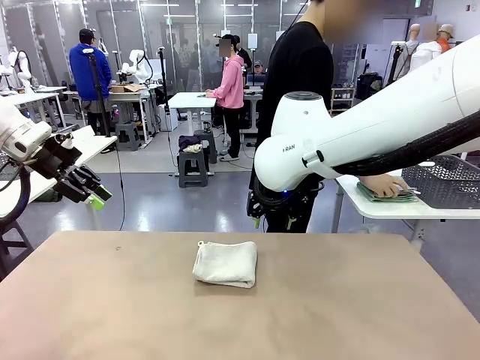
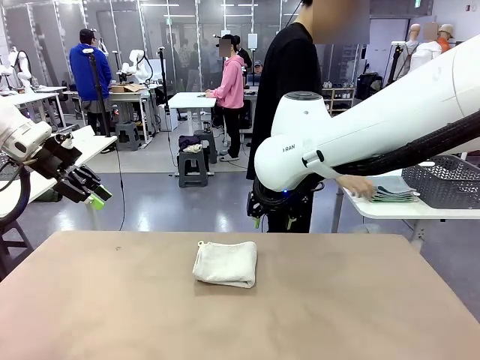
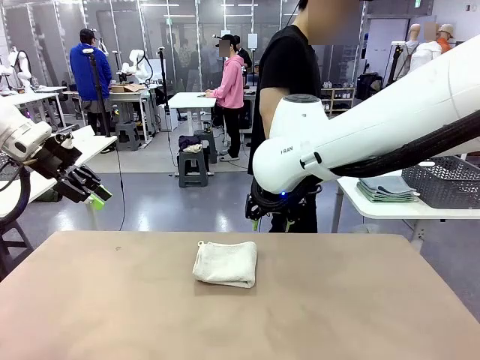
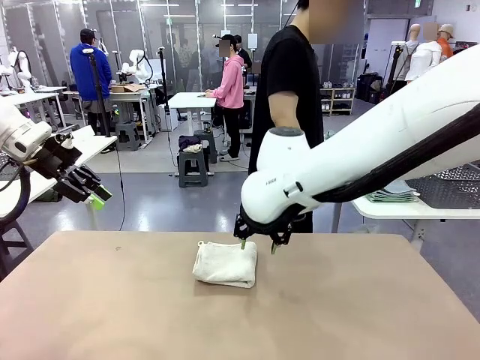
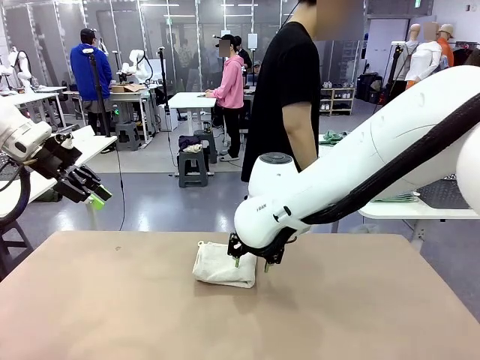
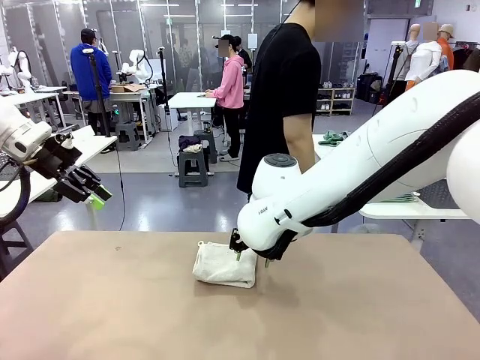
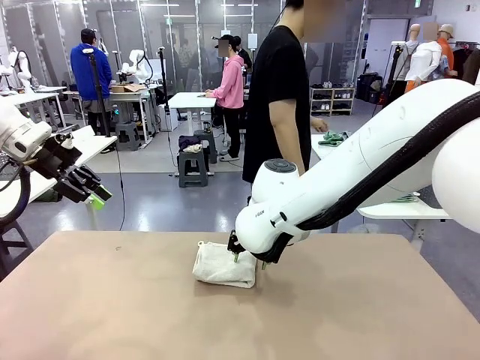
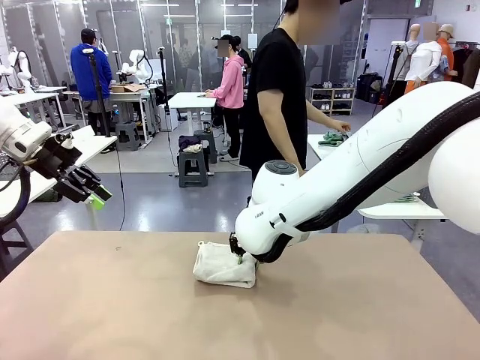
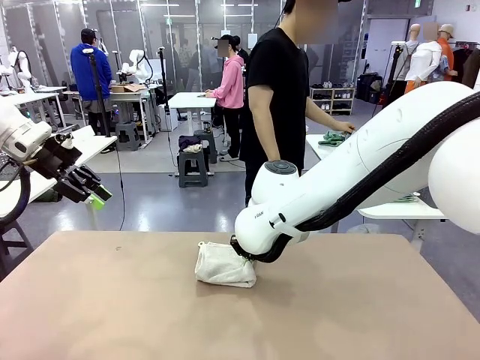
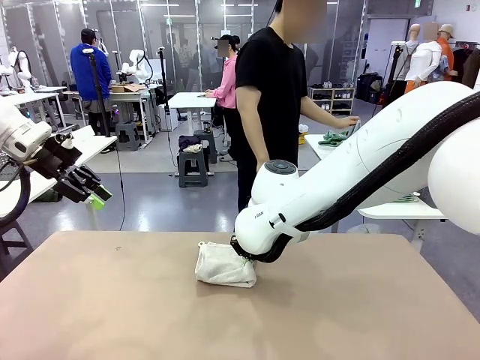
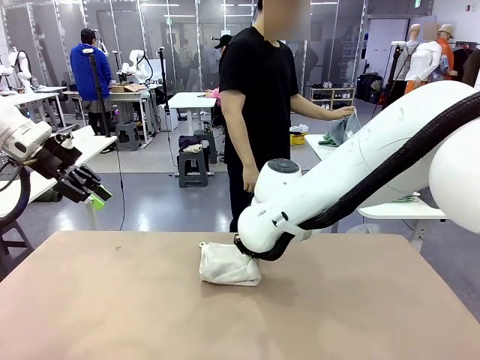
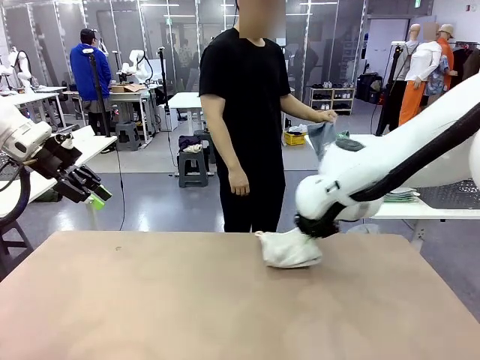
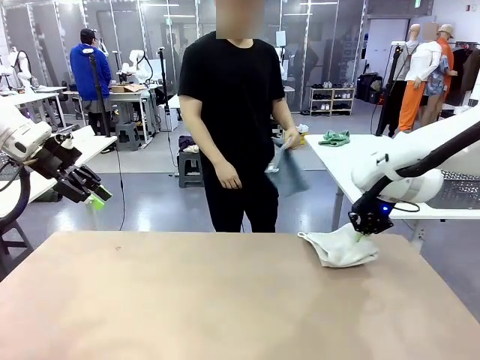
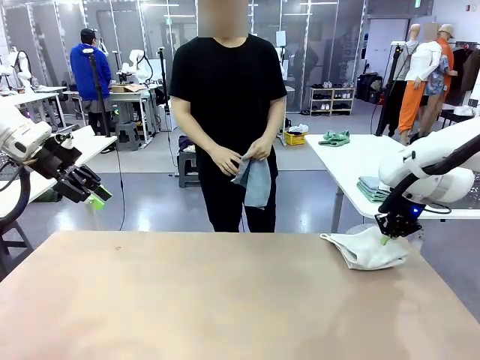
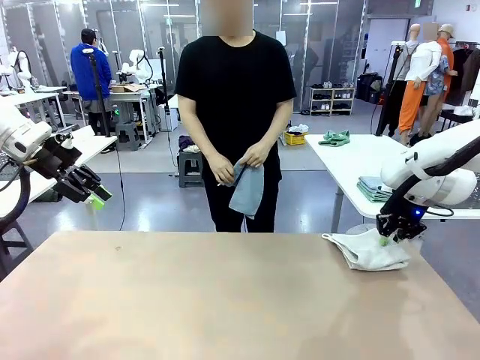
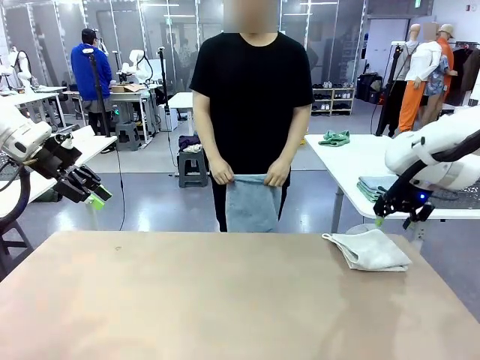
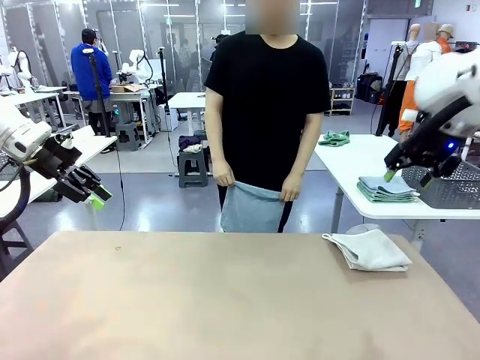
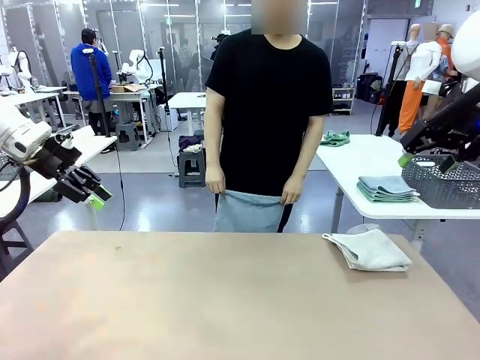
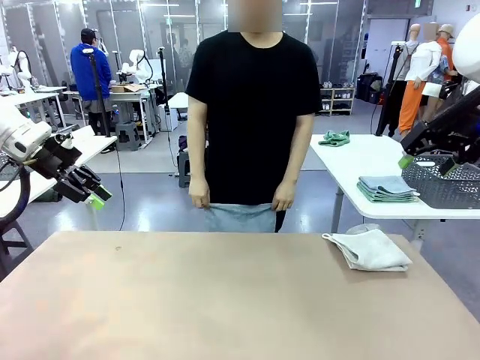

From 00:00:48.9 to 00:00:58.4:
Task: Fold the towels and place them in the basket.
Robot: Place the folded Towel with hook on the right side of the table.
Person: Pick up one towel from the left side of the human table and spread it out at the center of the robot table.

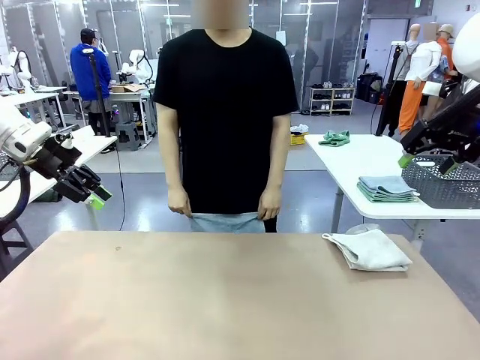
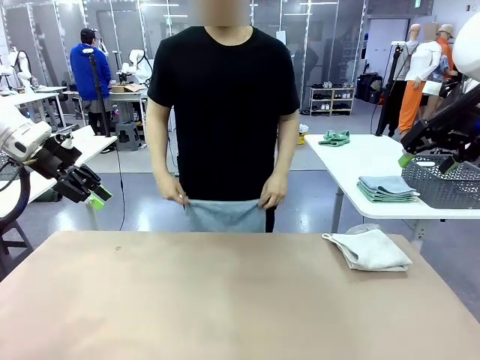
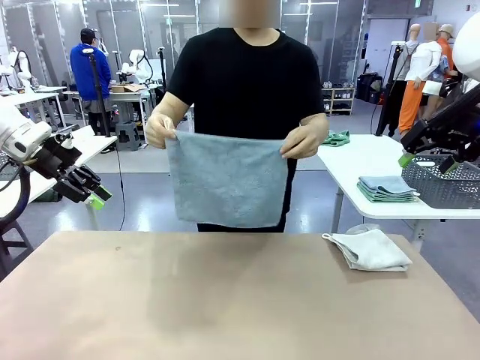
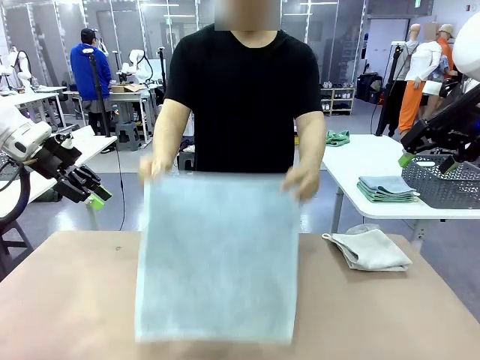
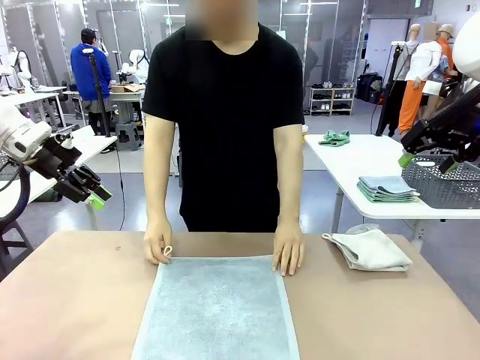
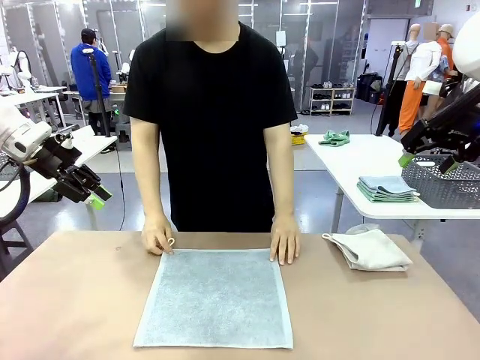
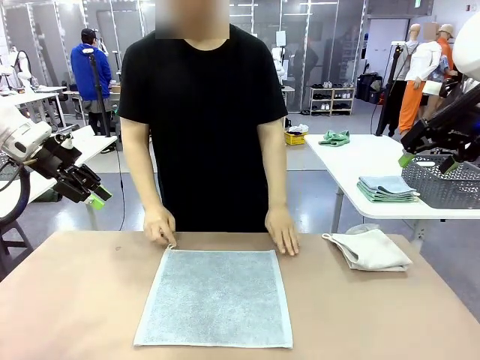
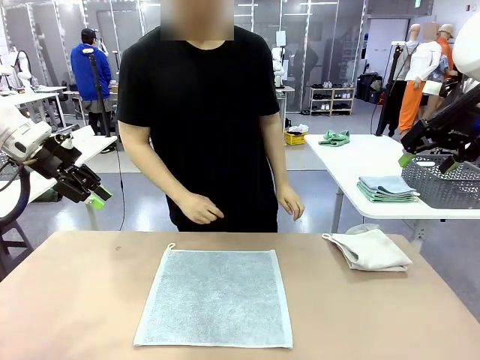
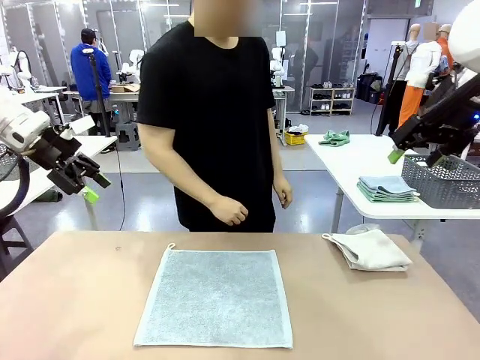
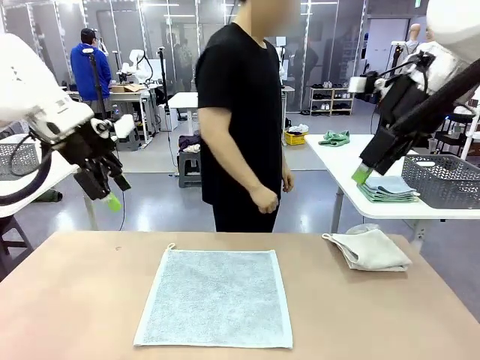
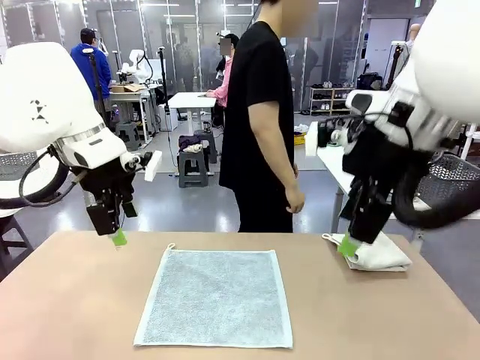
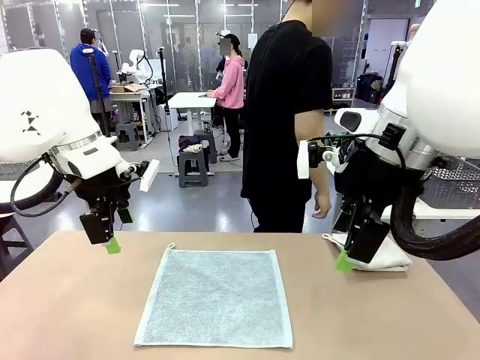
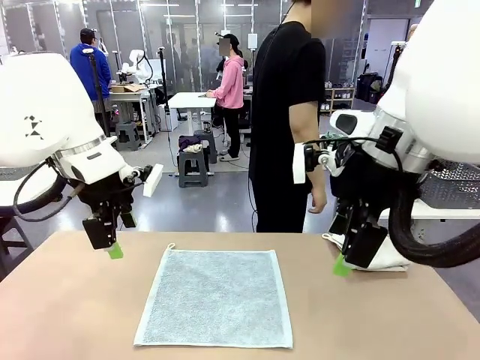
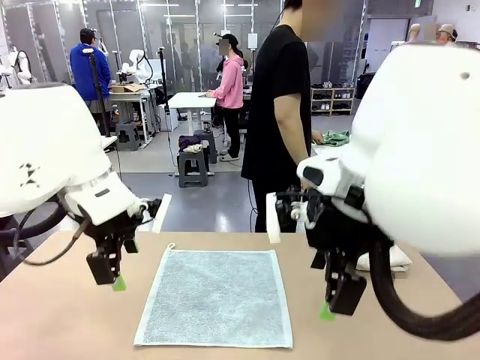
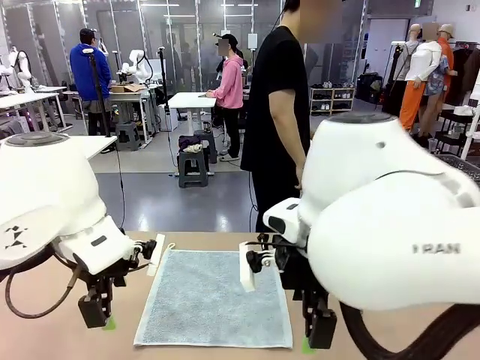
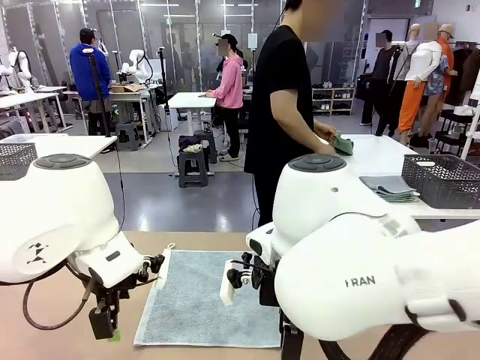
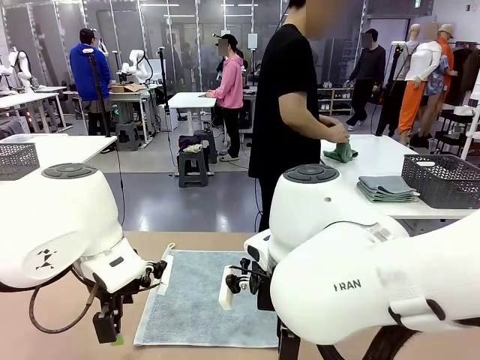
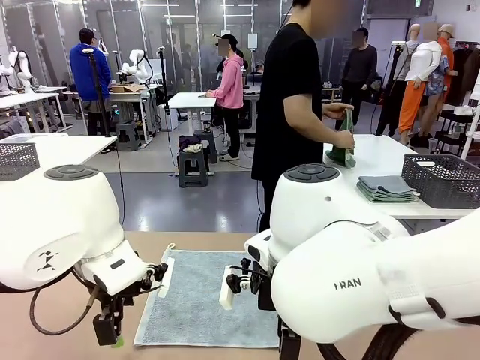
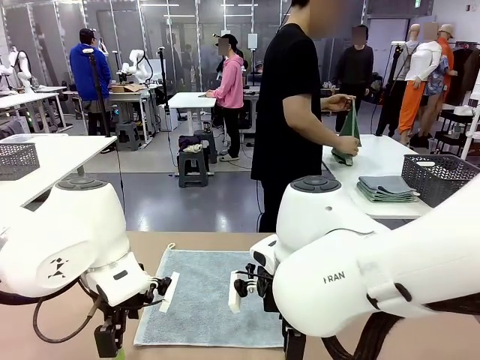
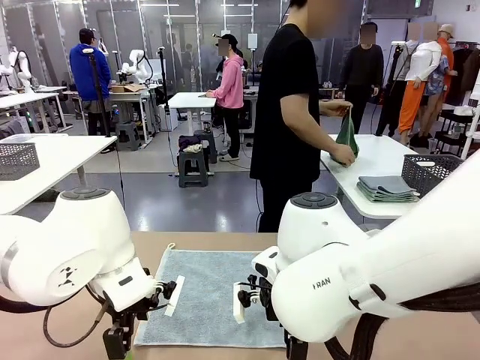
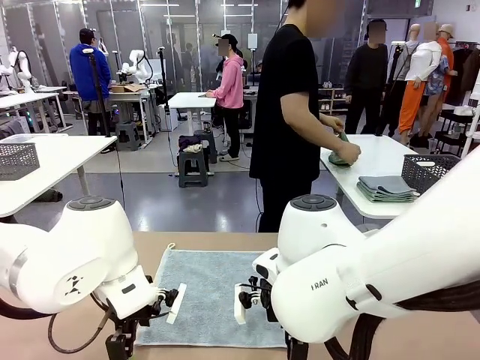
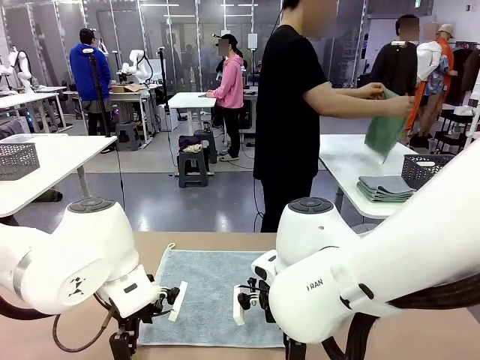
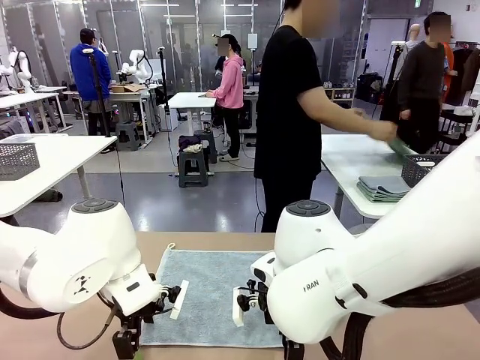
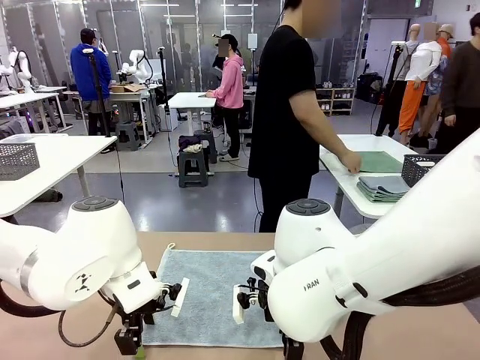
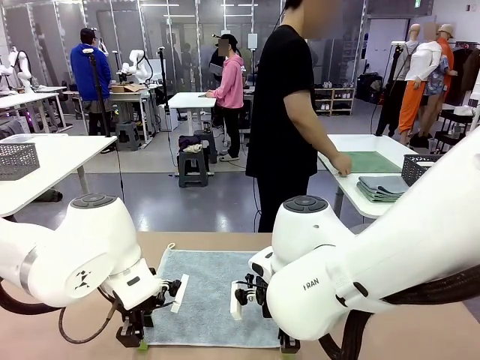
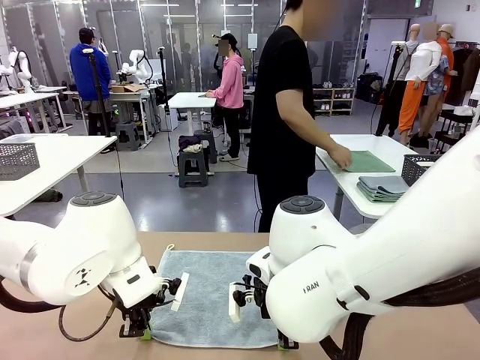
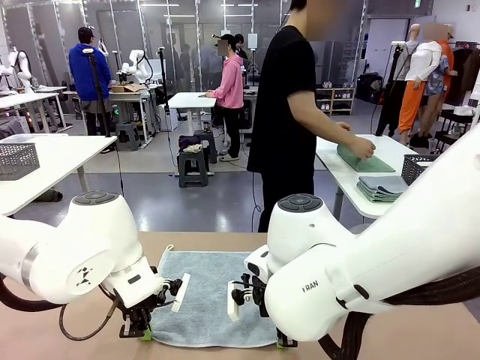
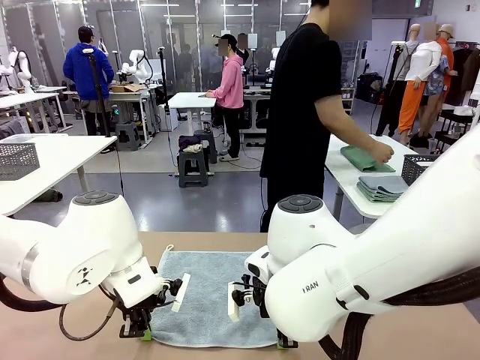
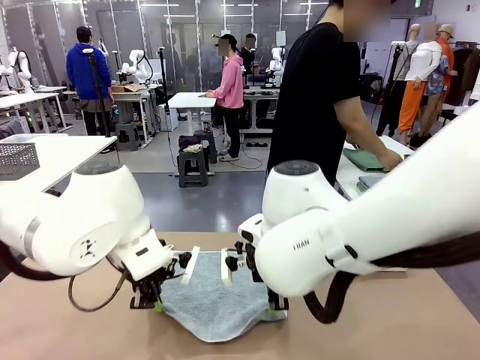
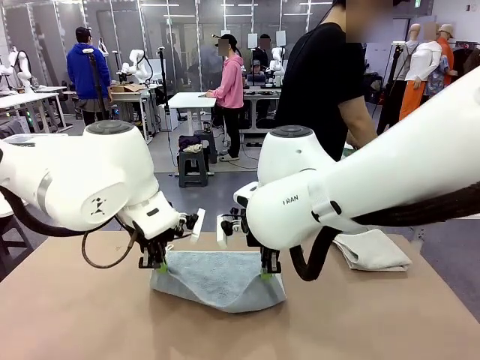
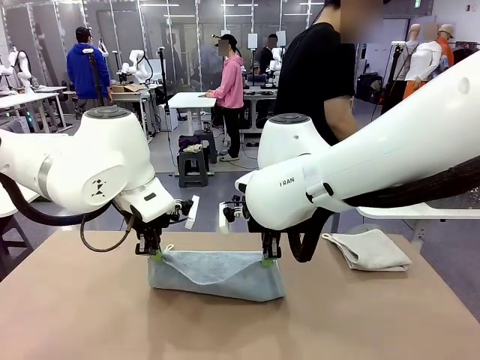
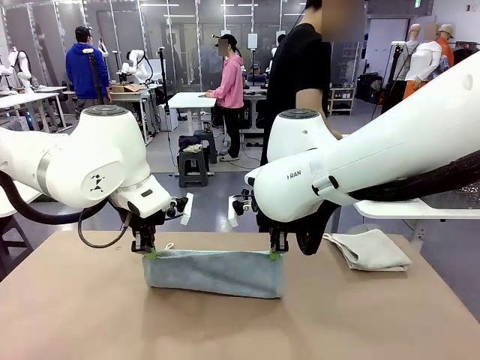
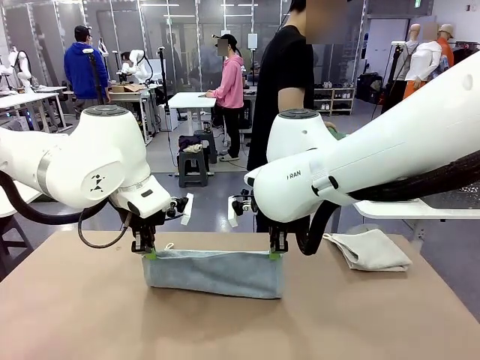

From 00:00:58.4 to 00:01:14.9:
Robot: When a person lays out a Towel with hook on the table, fold it in half twice.
Person: Pick up one towel from the left side of the human table, fold it in half twice, and stack it on the right side of the table.
